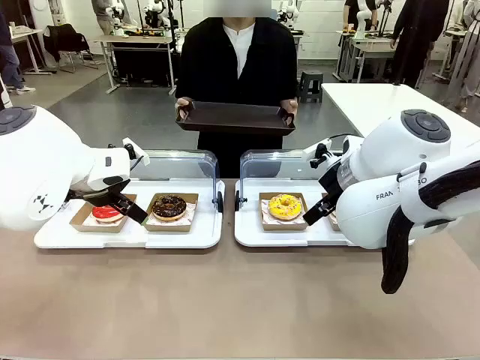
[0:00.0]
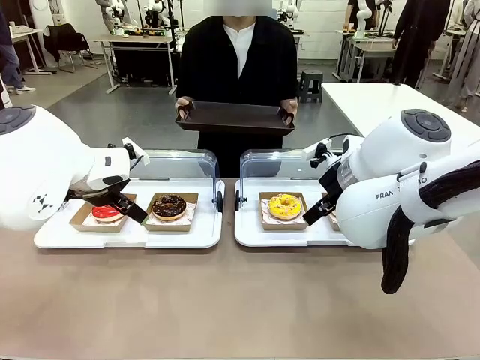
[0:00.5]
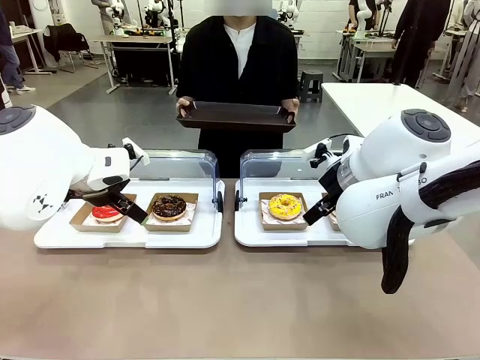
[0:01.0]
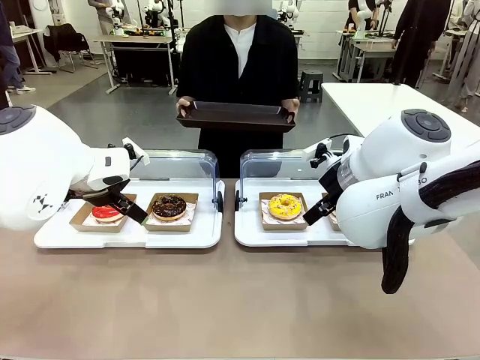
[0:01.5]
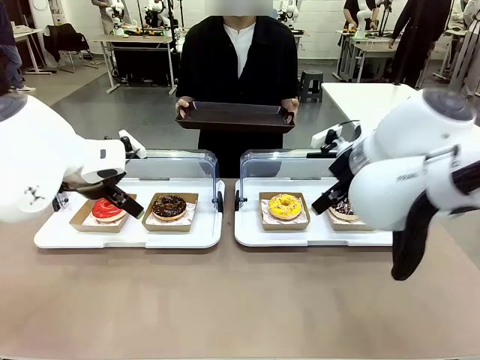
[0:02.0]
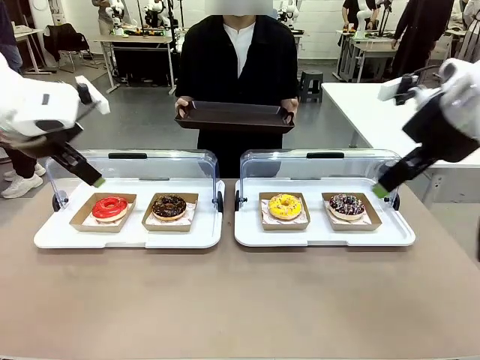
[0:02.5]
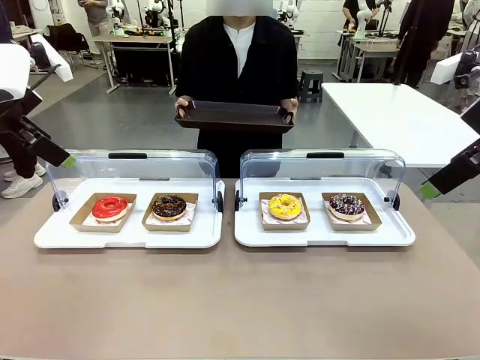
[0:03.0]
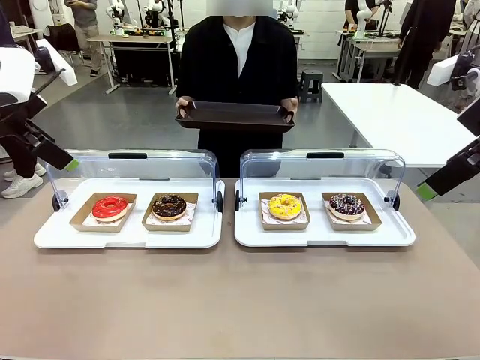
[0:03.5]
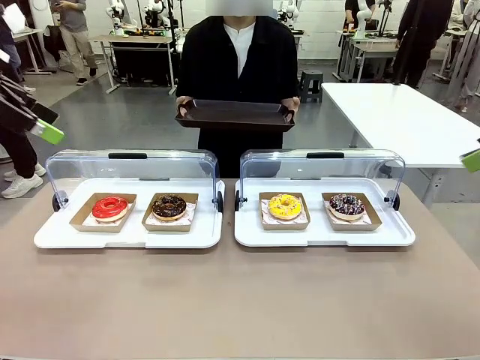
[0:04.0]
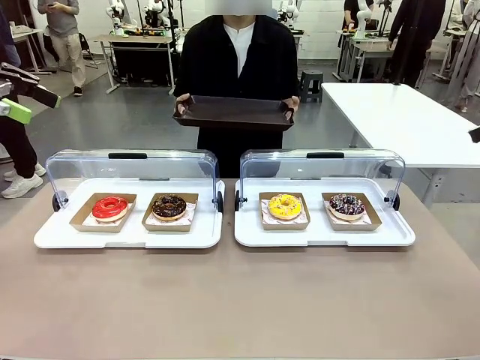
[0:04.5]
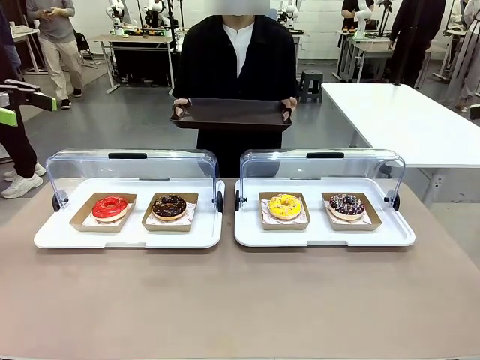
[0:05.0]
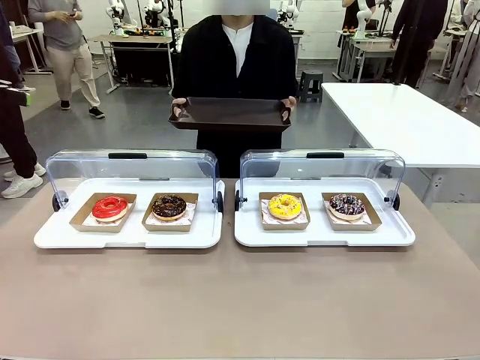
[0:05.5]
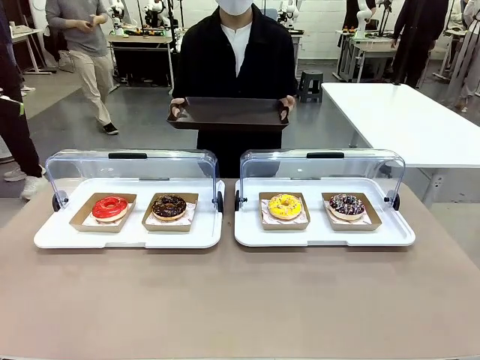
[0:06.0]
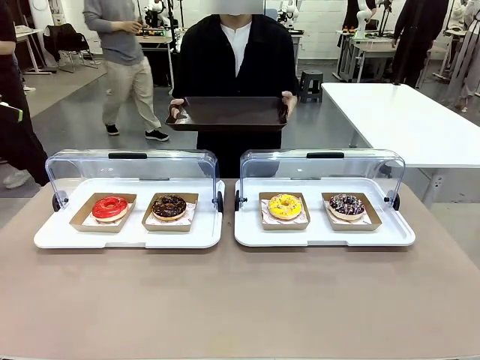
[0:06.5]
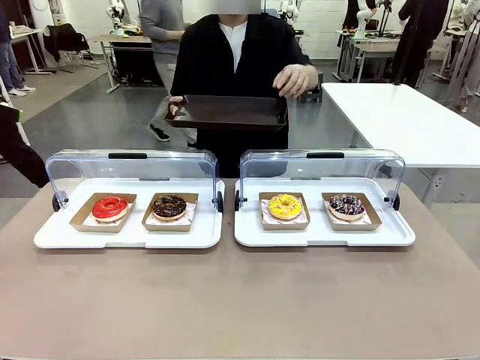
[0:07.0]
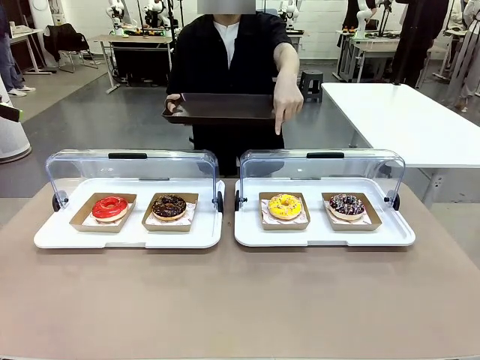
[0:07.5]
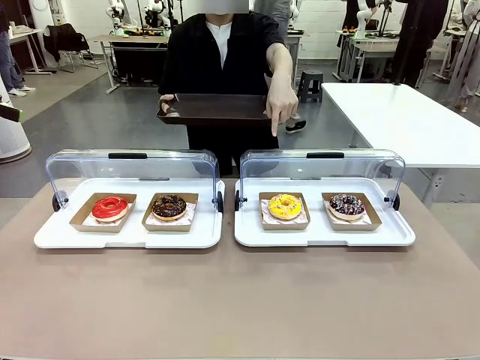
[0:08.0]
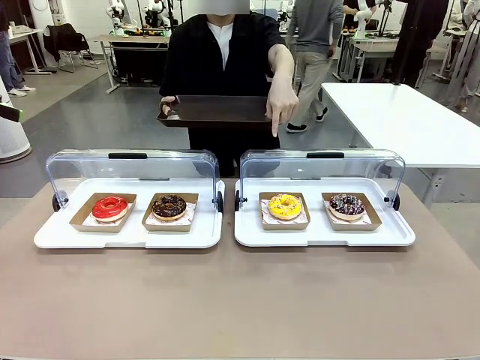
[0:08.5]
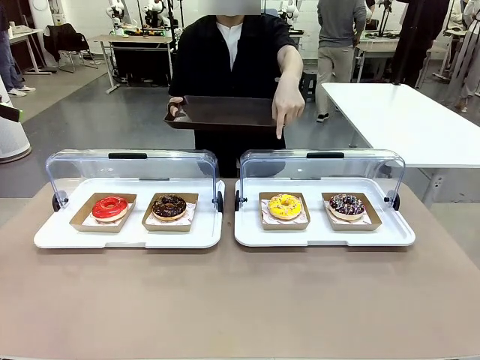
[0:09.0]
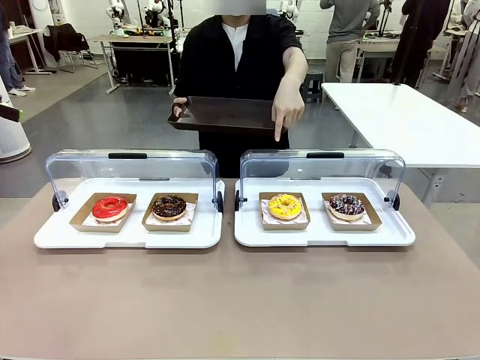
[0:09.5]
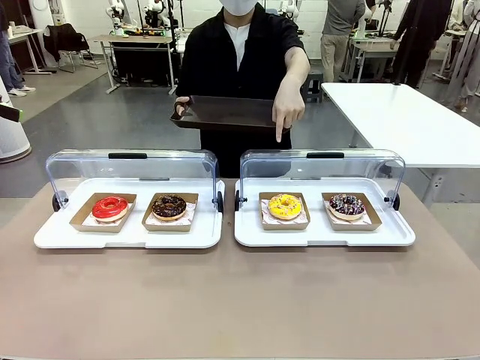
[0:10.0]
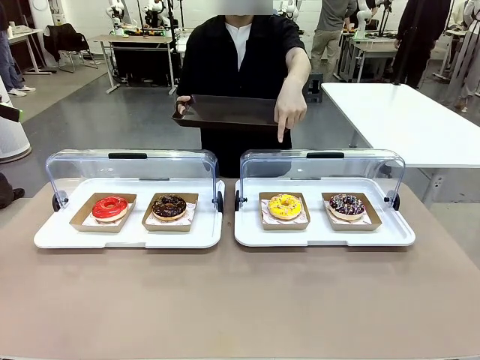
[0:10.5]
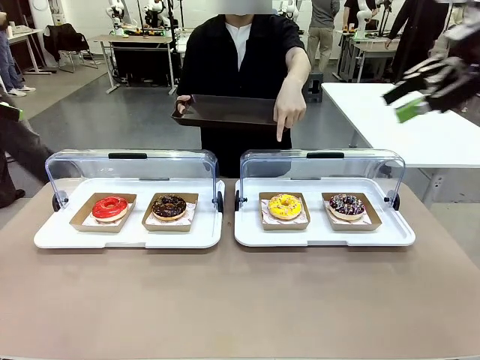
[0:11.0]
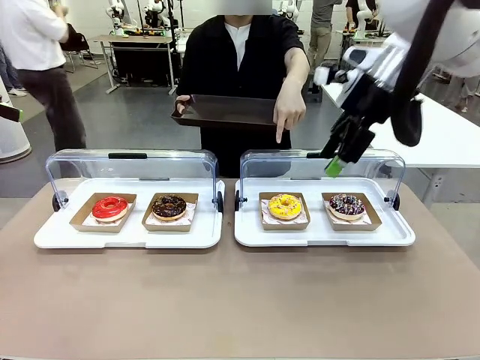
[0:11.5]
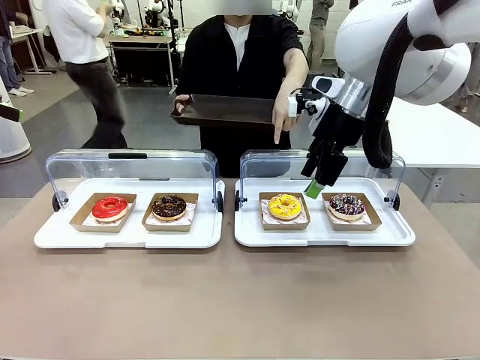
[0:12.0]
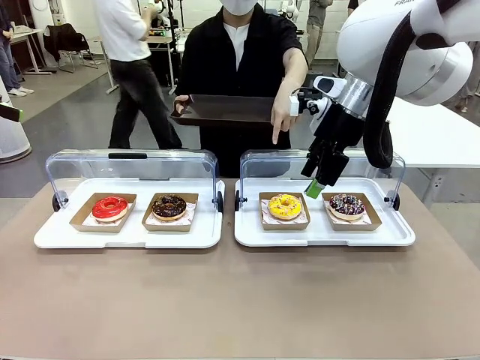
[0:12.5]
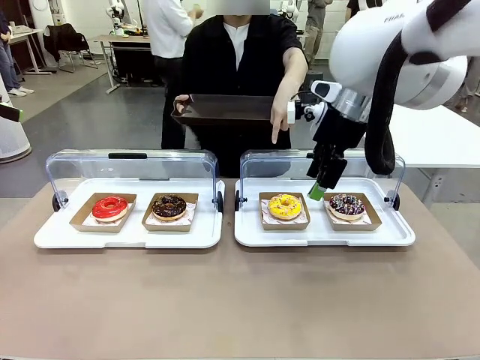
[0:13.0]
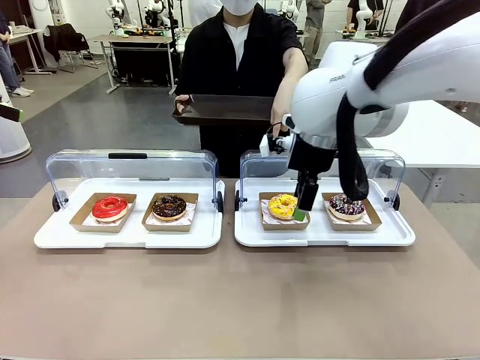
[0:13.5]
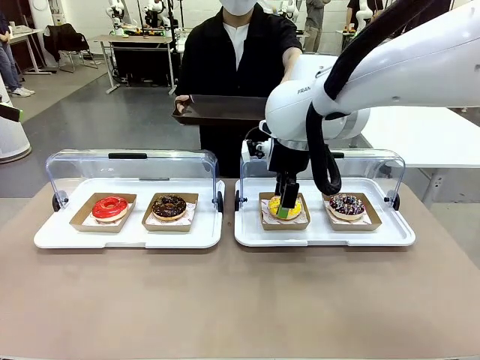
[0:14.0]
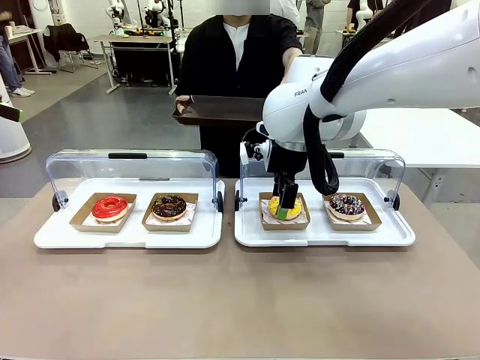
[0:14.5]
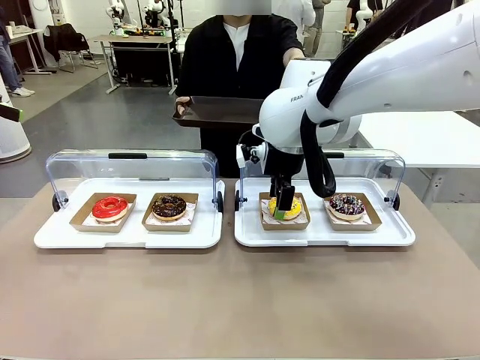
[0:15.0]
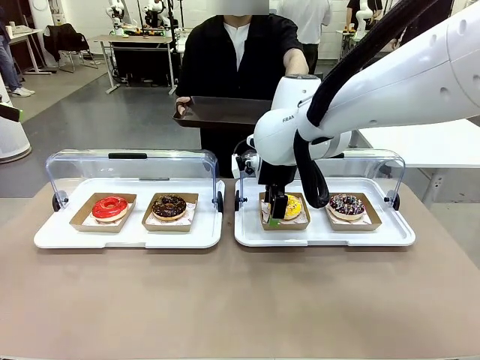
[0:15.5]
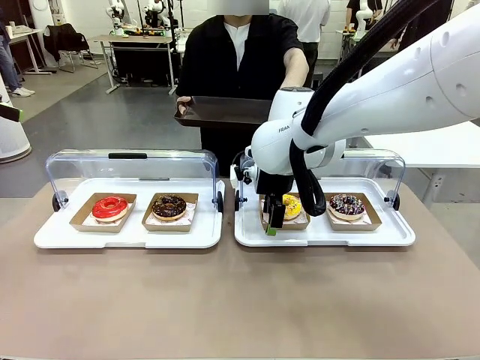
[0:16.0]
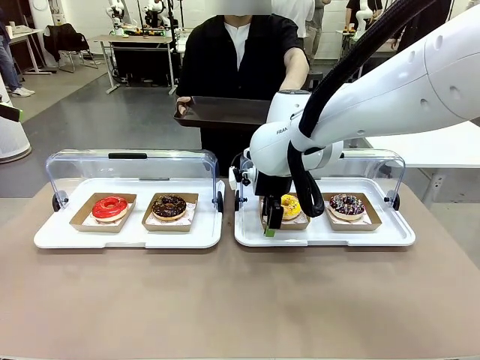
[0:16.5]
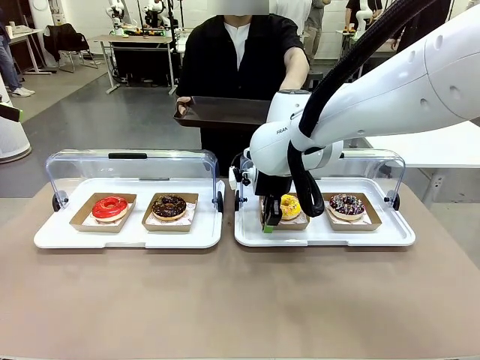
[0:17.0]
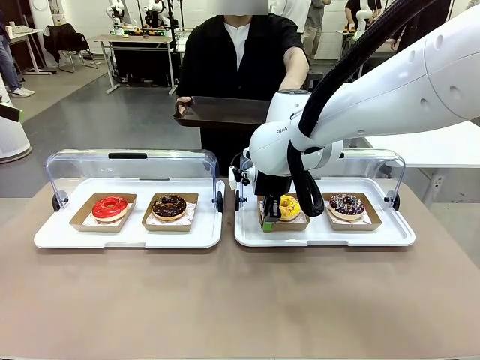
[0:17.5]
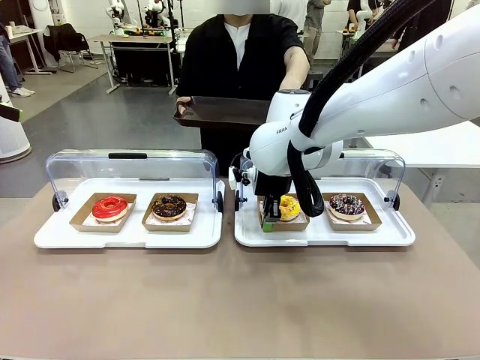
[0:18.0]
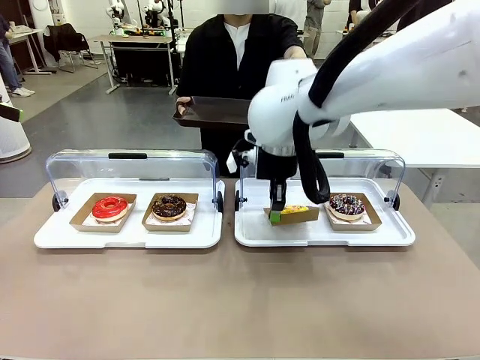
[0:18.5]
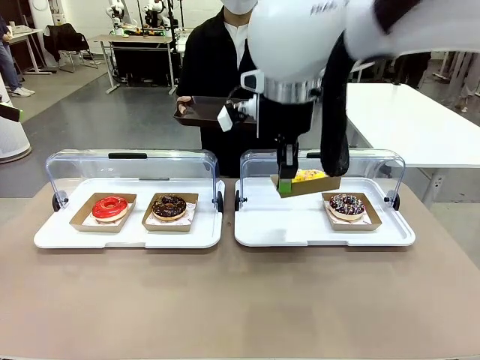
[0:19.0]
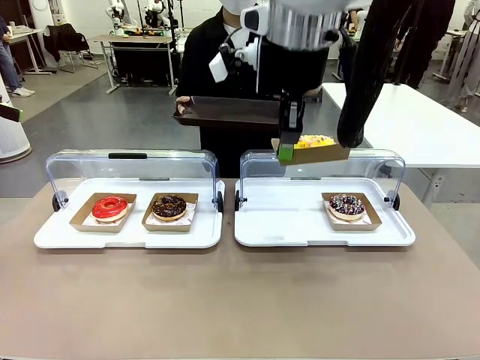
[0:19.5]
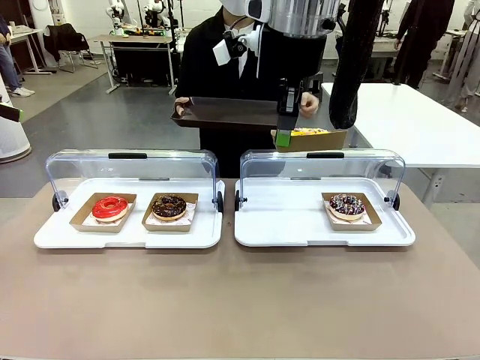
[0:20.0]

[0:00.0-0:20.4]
Task: Provide the desired donut to the person.
Robot: Pick up and lift the Paper togo box containing the Donut pointed at by the person.
Person: Point to one donut. Lift the tray onto the Roll-Top Bakery Case.

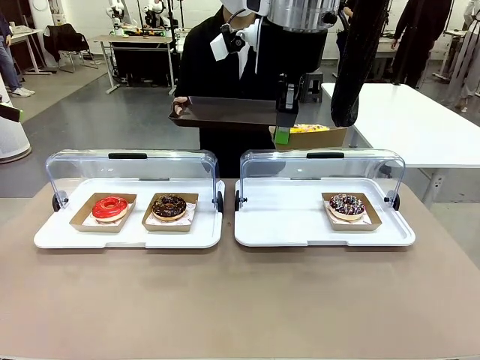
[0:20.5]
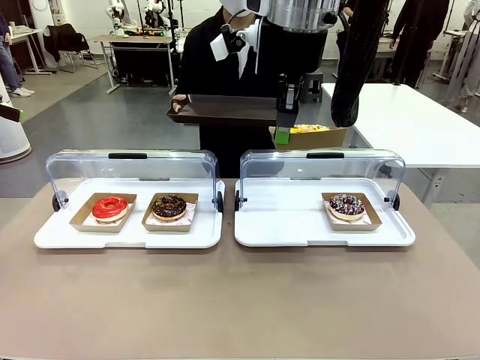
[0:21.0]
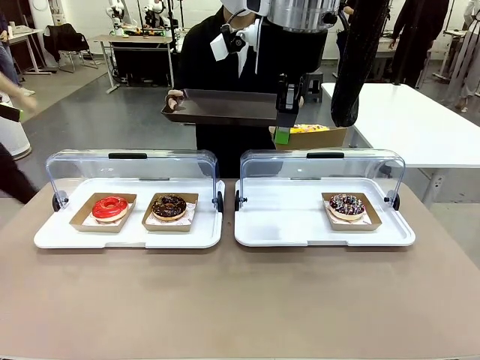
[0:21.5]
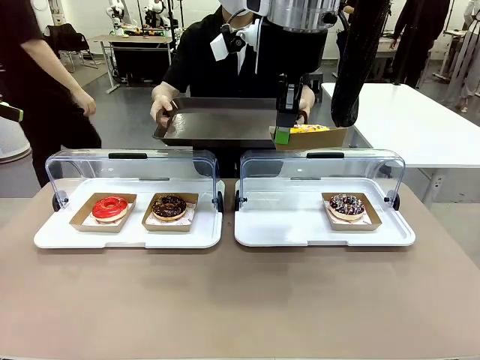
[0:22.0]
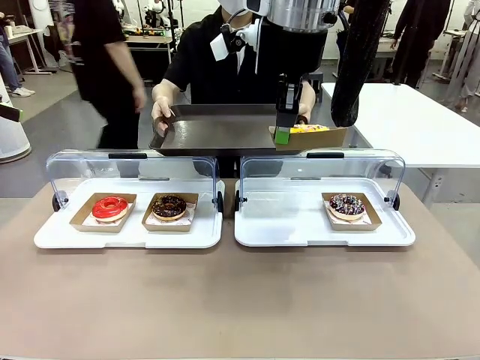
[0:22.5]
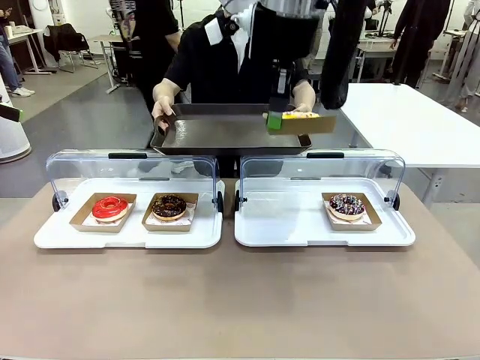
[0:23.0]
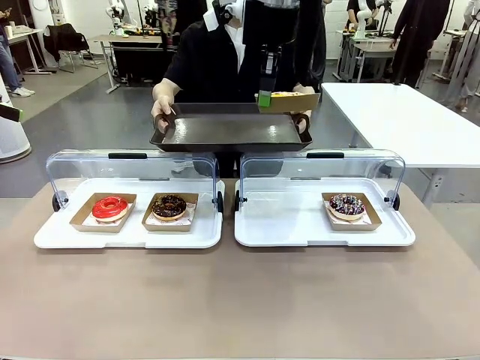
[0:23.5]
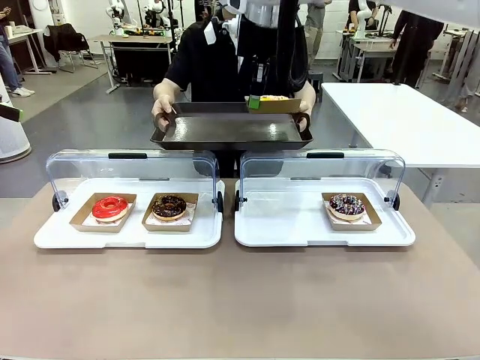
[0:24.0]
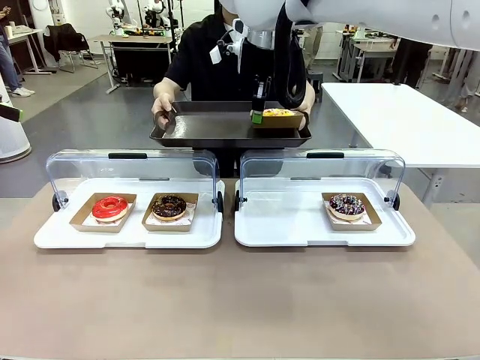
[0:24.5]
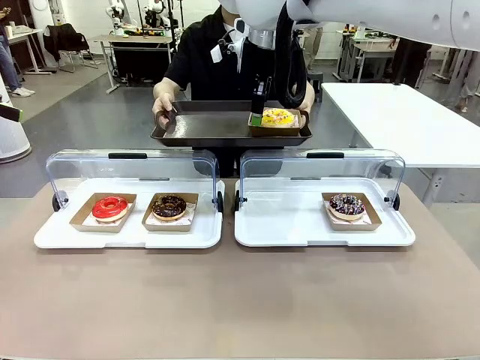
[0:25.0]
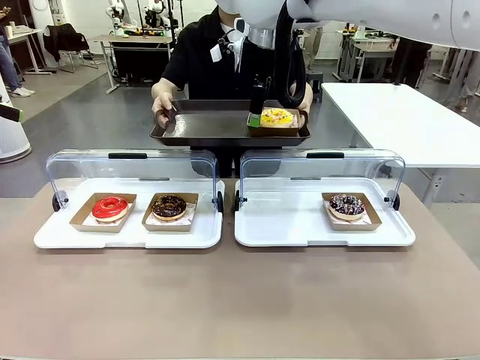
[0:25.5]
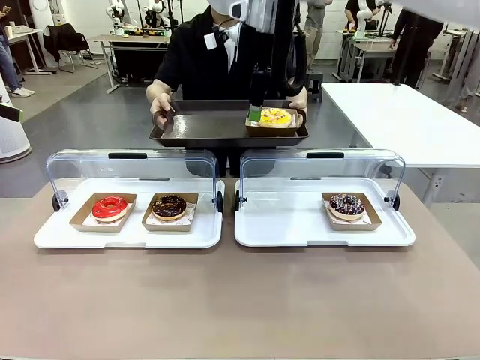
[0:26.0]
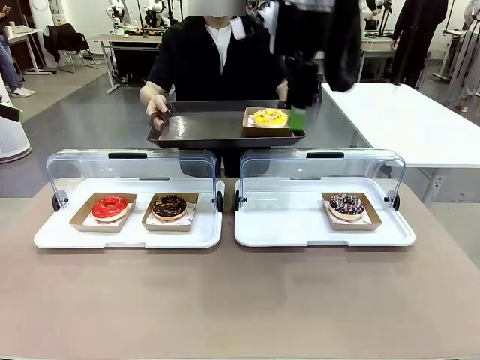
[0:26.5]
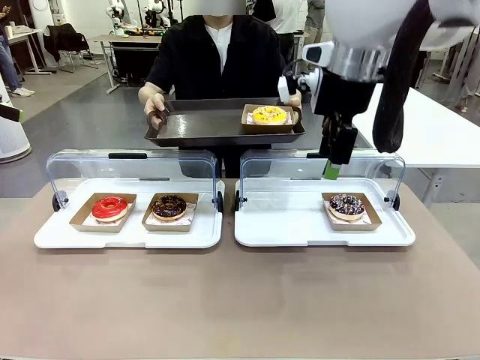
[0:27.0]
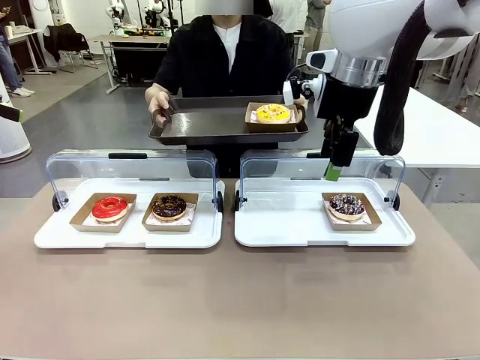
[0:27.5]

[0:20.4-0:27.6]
Robot: Place the picked Paper togo box onto the Handle tray extended by the person.
